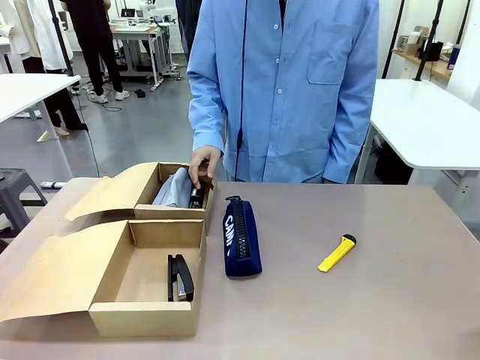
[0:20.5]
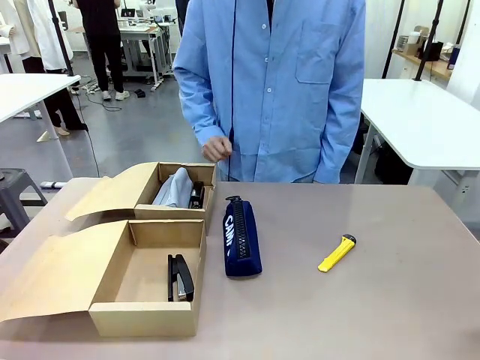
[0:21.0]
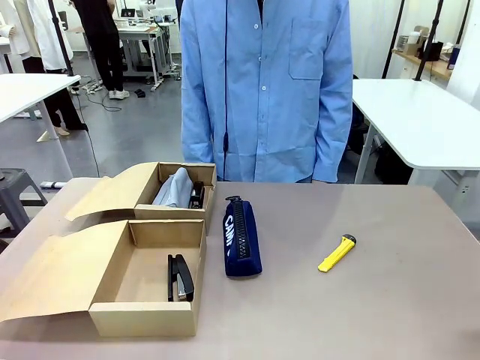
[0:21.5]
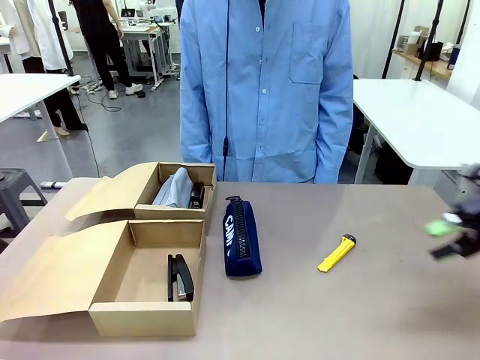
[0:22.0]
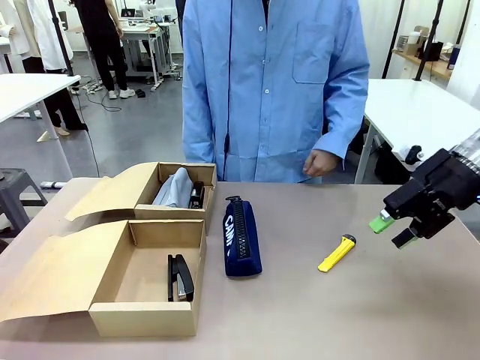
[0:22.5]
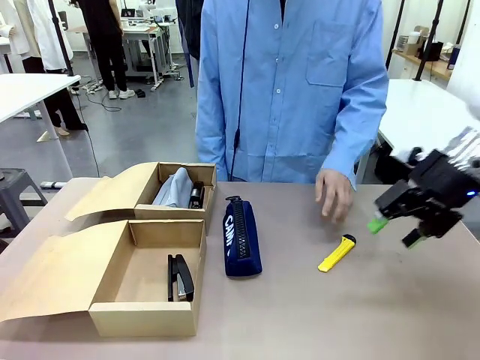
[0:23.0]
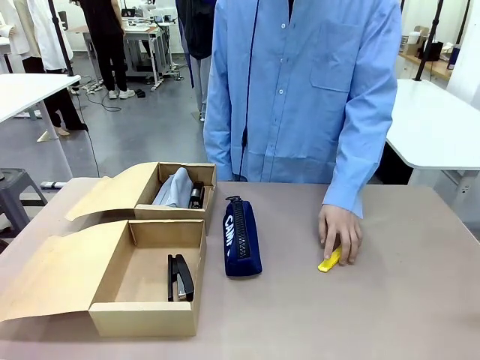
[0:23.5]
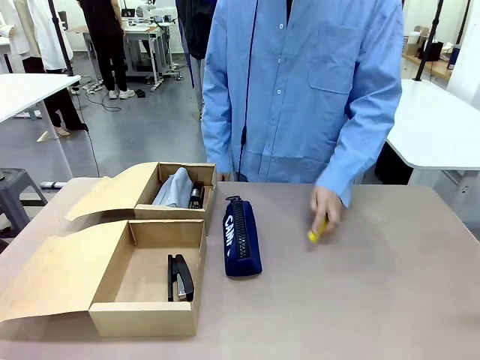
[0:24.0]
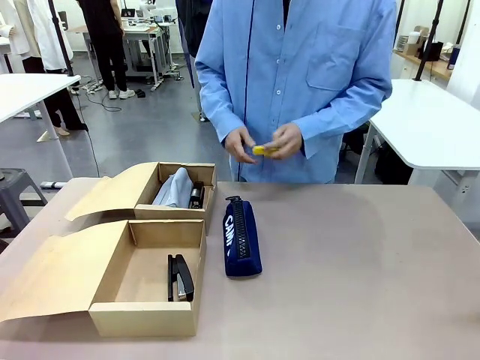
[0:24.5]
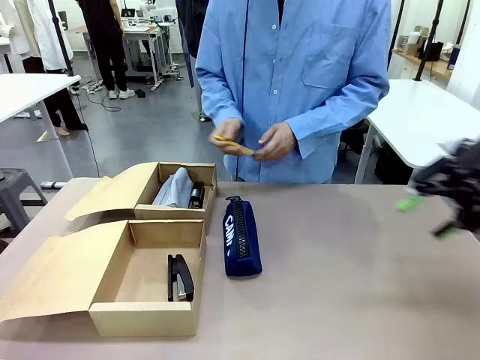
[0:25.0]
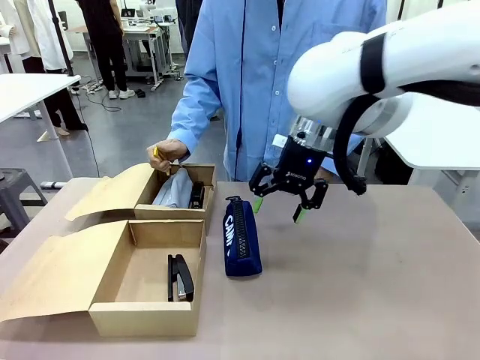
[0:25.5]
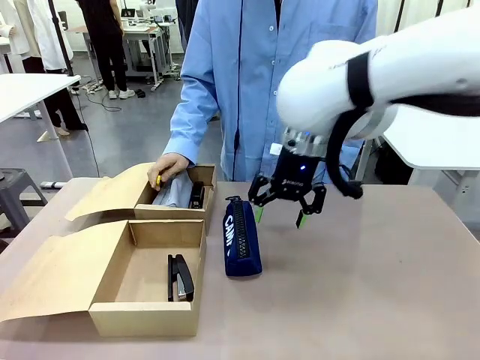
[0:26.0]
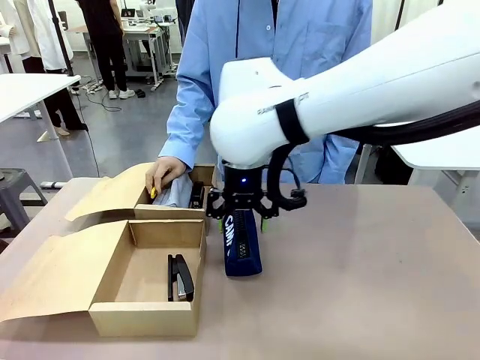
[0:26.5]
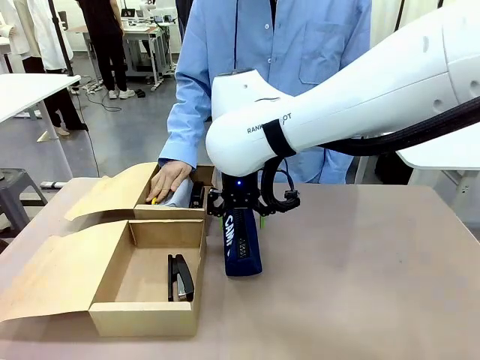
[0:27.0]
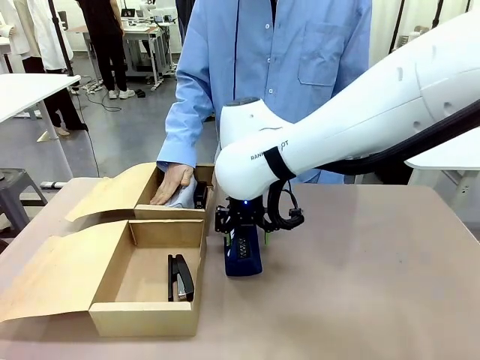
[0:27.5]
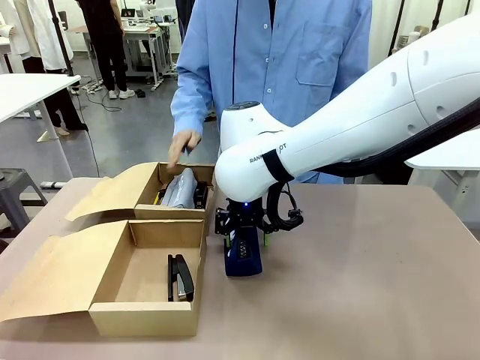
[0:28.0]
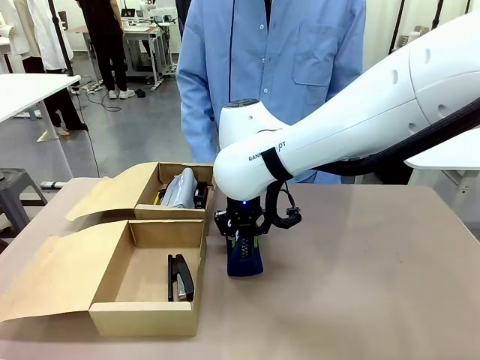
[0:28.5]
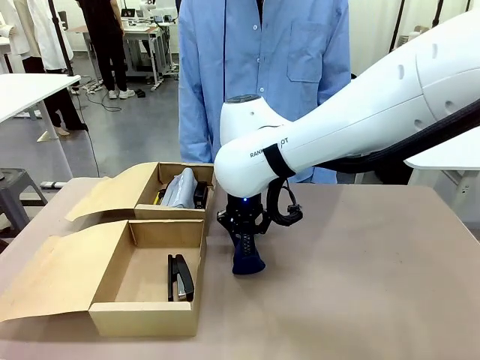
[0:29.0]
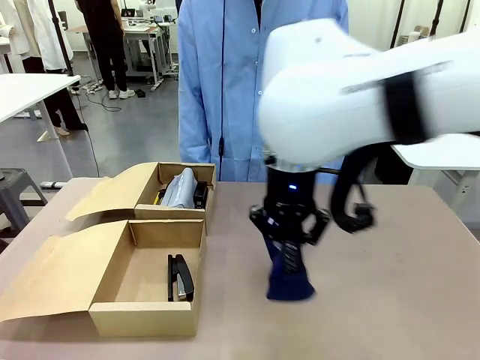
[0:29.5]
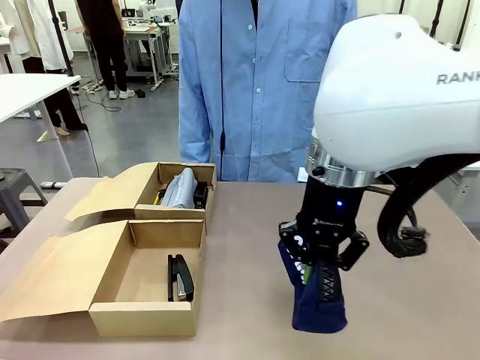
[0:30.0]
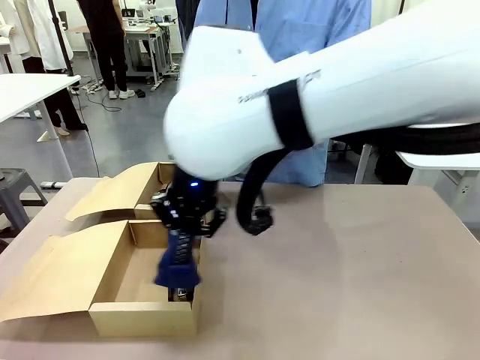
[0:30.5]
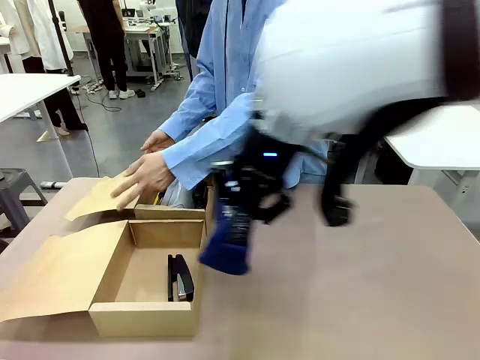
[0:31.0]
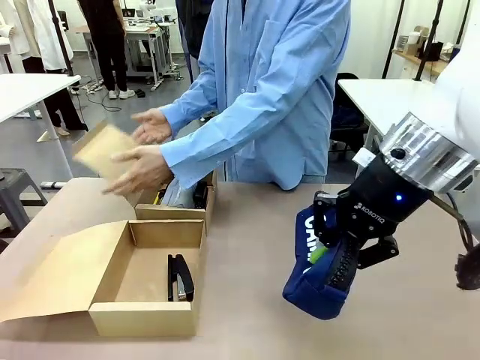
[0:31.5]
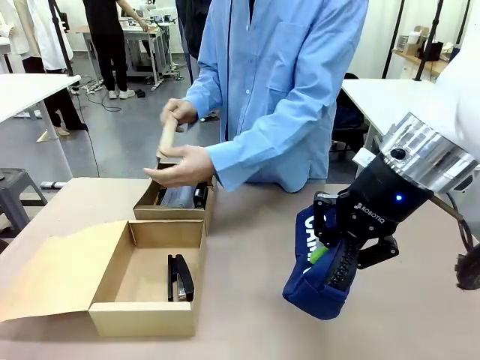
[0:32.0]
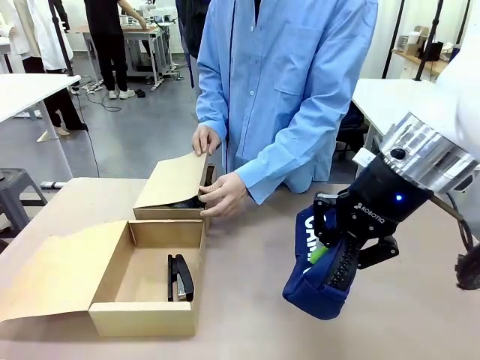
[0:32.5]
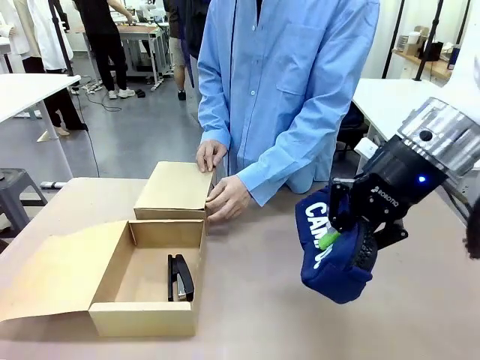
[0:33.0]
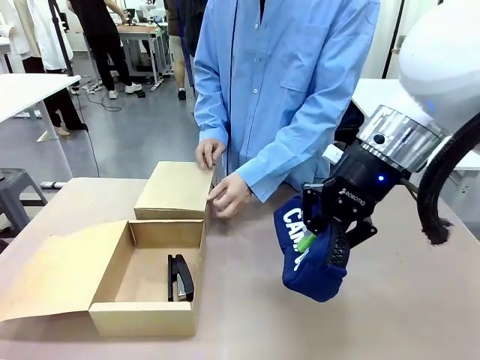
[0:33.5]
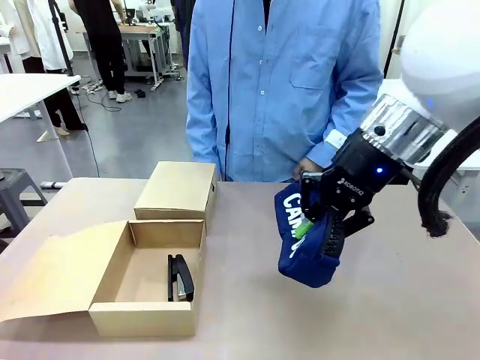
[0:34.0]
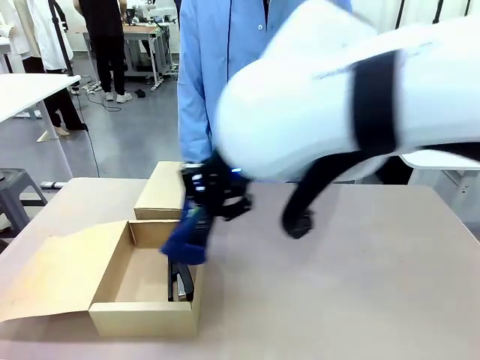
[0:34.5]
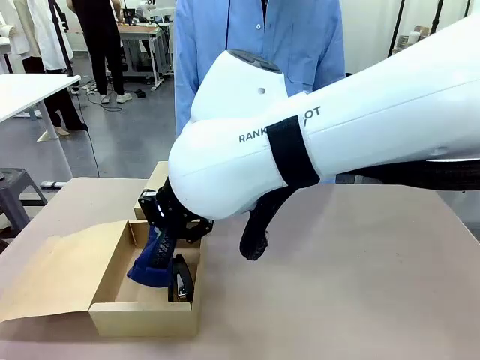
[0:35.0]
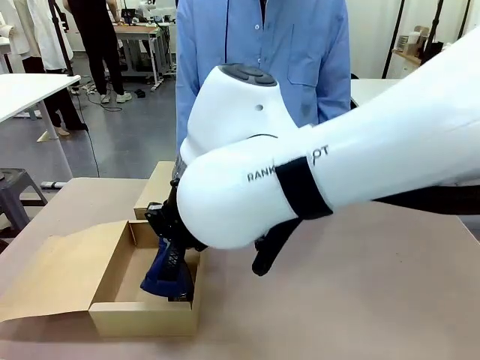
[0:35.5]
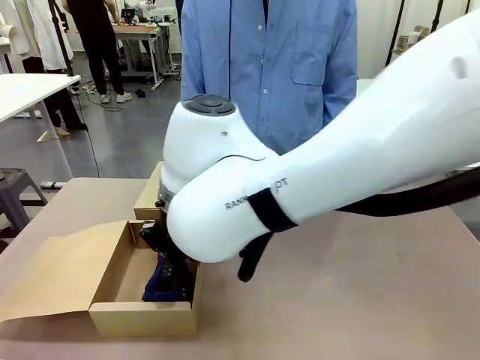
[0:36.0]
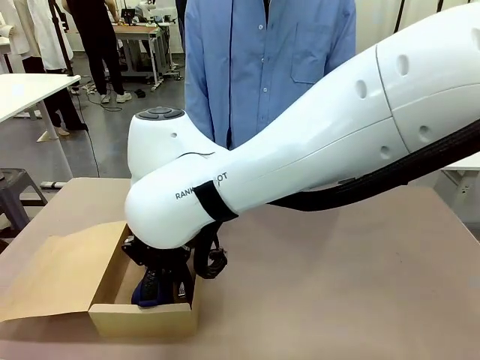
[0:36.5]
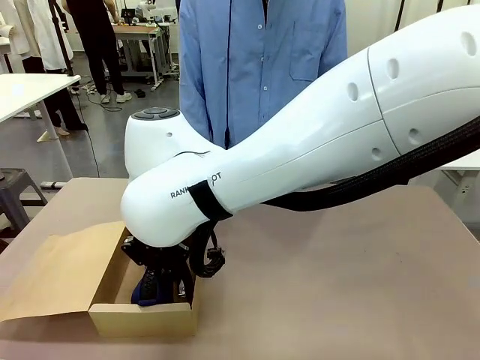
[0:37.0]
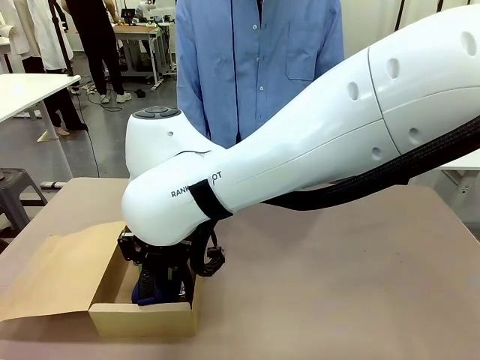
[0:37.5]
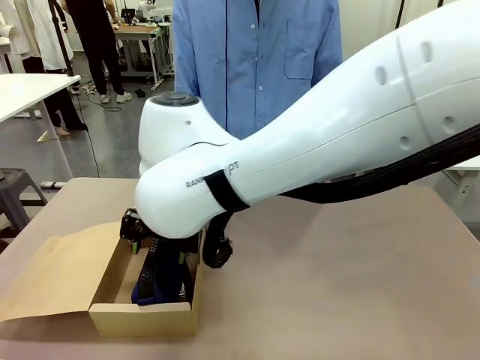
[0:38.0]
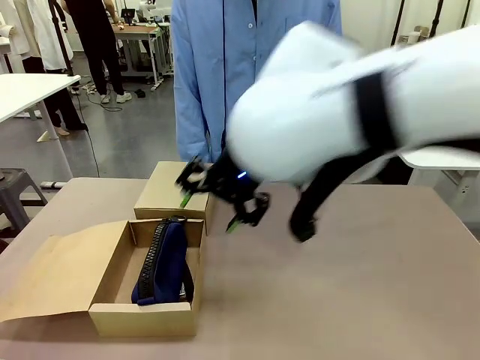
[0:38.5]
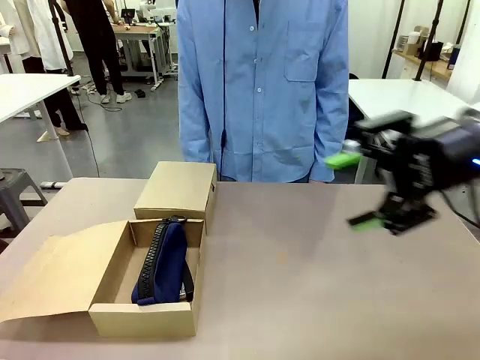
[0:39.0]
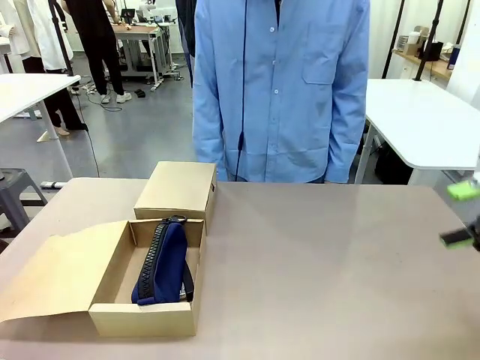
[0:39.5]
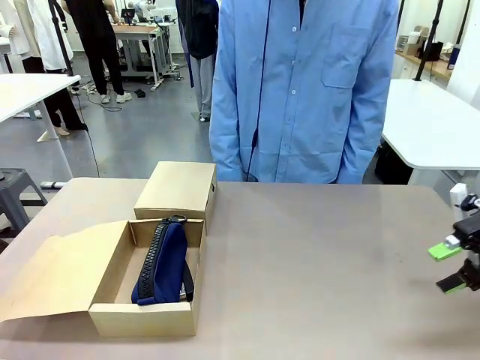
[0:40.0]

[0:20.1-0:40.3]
Task: Place items inside the box.
Robot: Pick up a Pencil pouch or Stapler and place it inside the Mailer Box closest to the robot.
Person: Close the lid of the box facing the person.

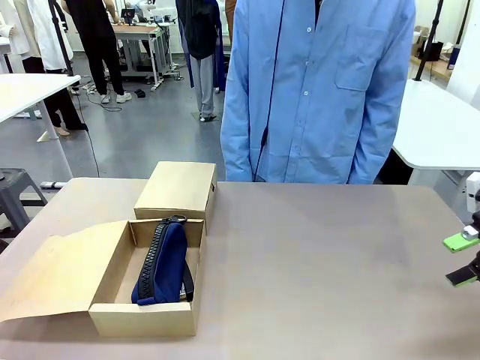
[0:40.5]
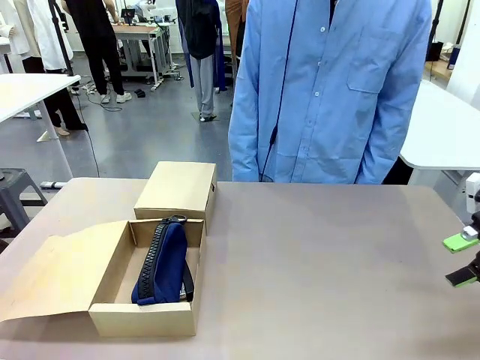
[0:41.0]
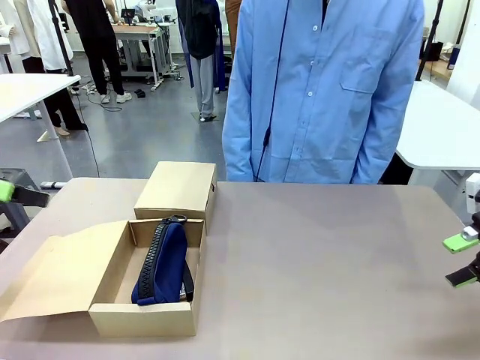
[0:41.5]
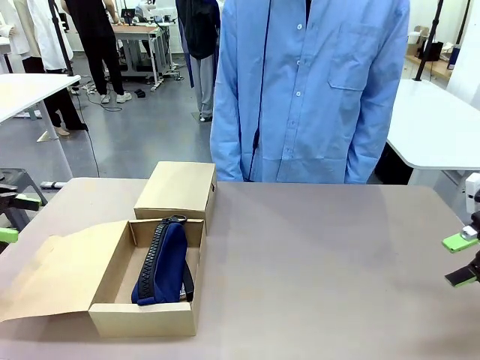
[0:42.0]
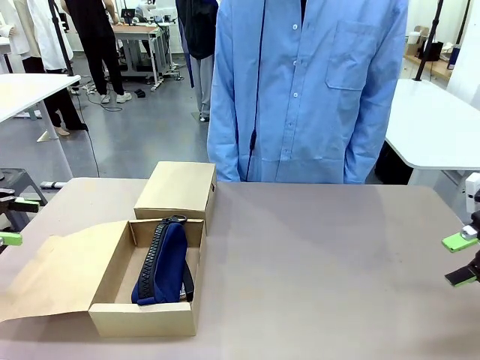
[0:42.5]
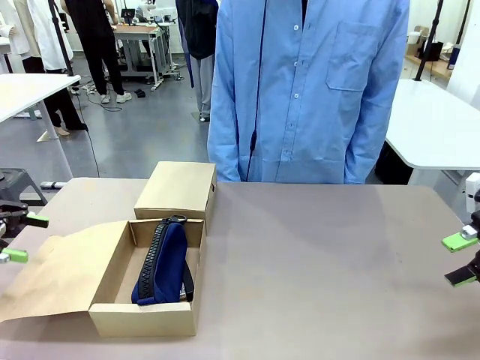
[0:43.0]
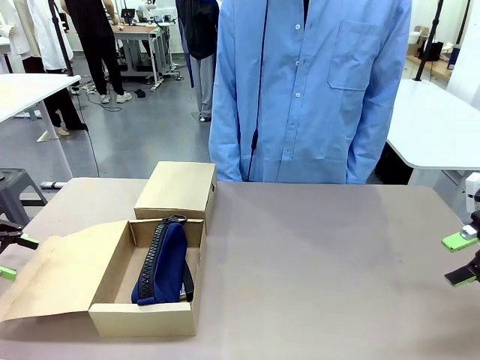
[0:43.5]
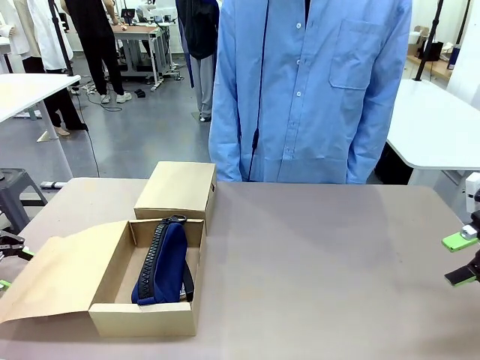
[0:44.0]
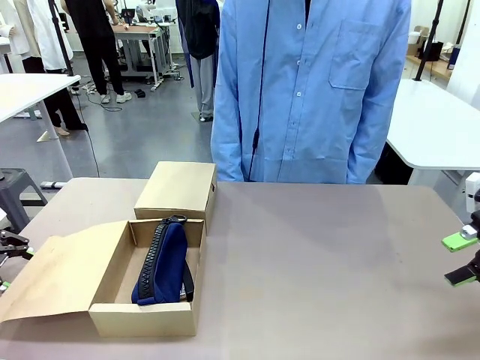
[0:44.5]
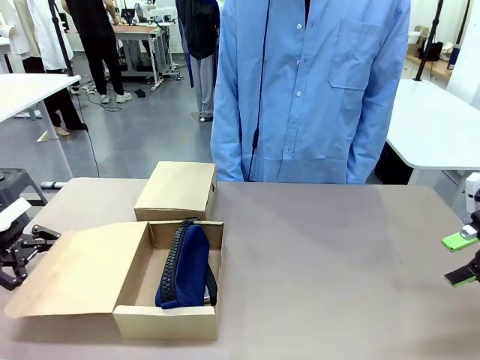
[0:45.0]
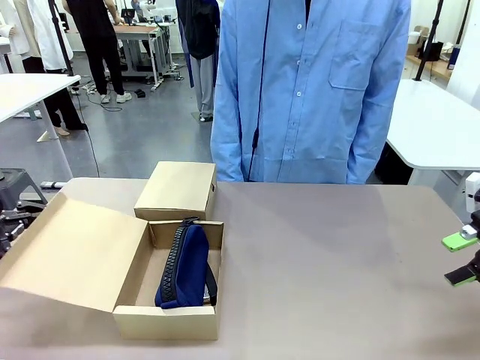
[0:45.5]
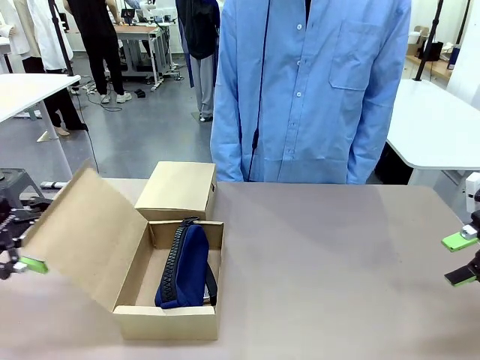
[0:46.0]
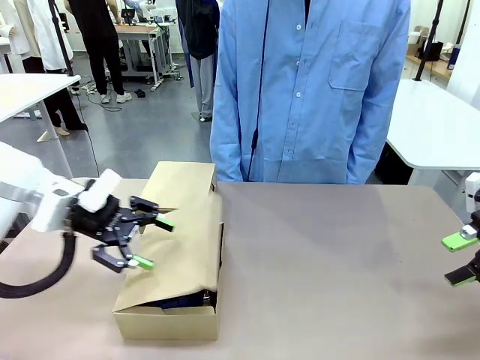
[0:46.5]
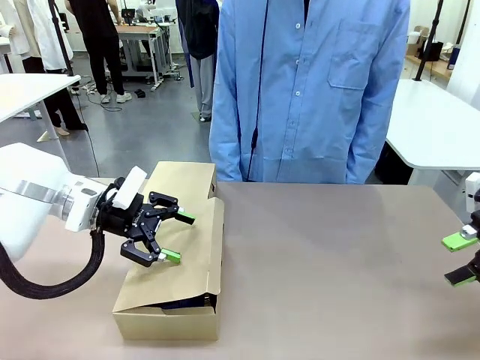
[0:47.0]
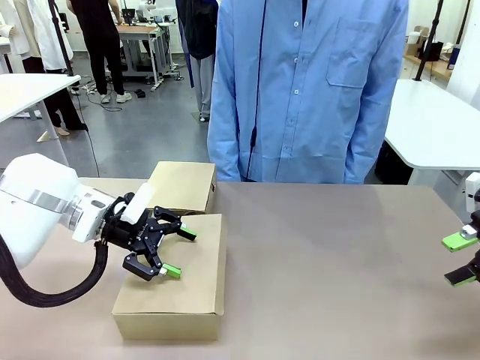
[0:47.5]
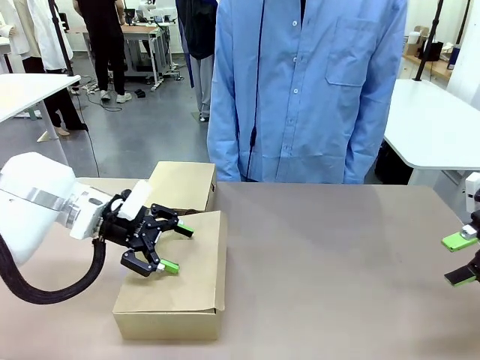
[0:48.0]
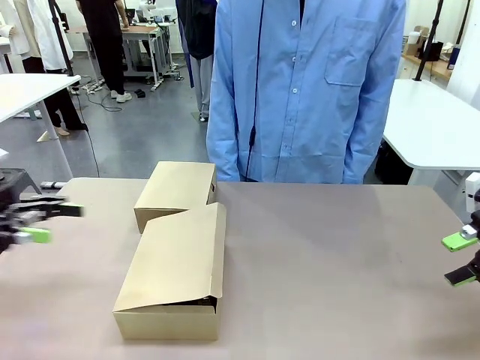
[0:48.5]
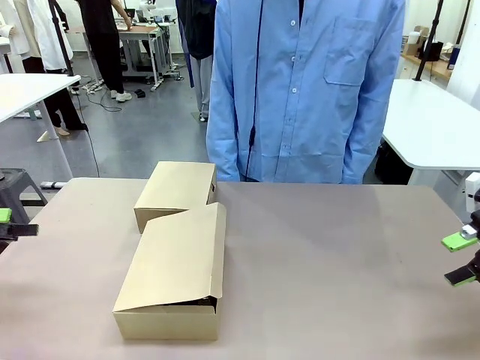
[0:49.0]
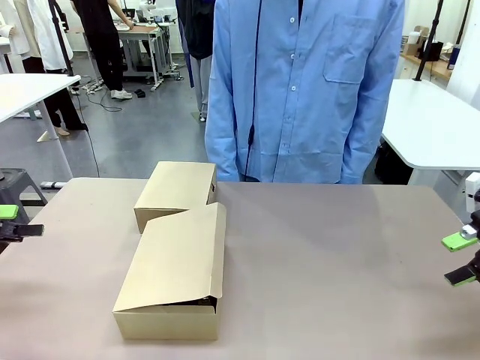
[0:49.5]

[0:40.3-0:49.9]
Robot: Close the lid of the Mailer Box closest to the robot.
